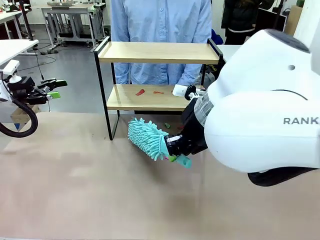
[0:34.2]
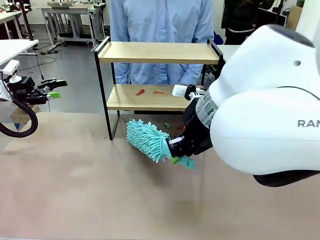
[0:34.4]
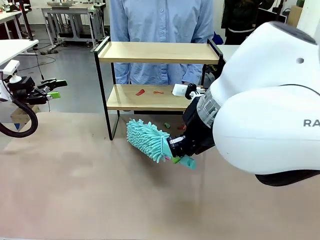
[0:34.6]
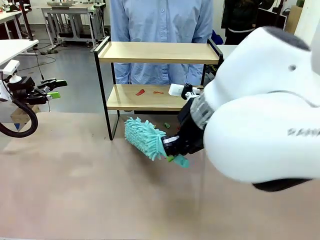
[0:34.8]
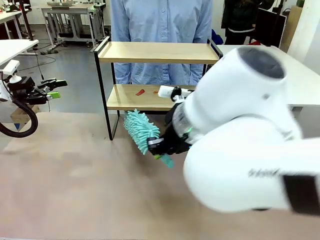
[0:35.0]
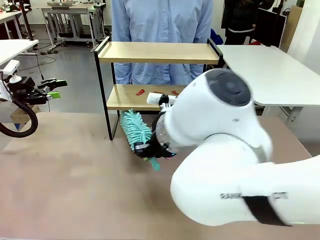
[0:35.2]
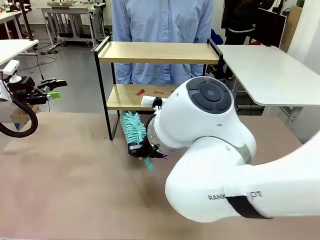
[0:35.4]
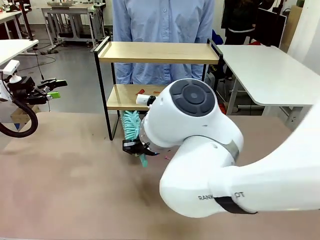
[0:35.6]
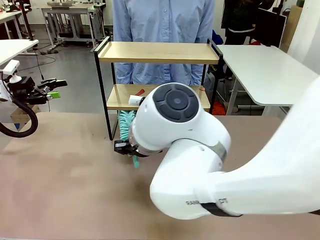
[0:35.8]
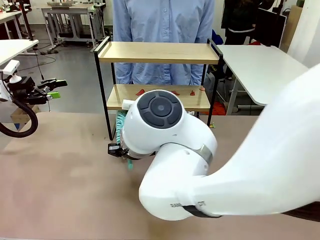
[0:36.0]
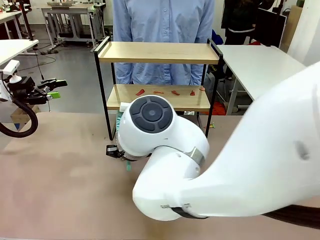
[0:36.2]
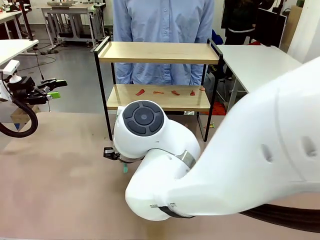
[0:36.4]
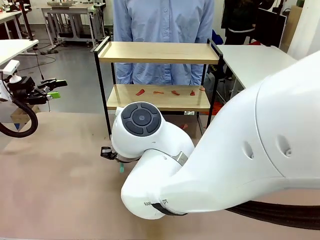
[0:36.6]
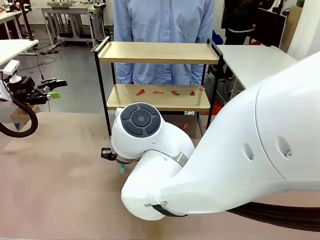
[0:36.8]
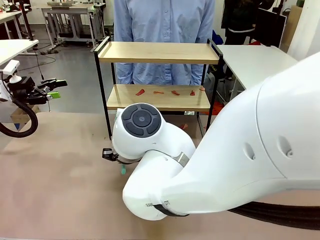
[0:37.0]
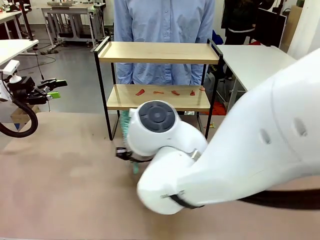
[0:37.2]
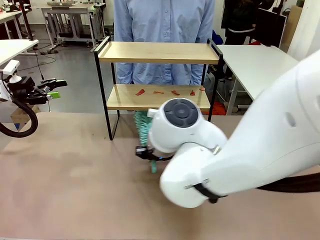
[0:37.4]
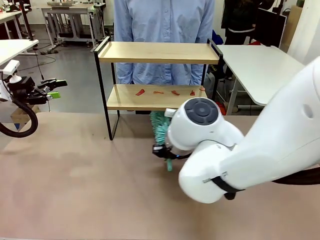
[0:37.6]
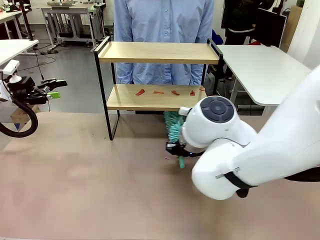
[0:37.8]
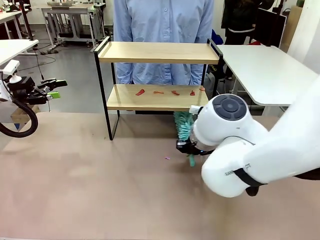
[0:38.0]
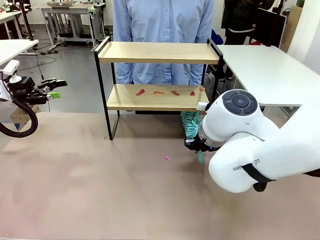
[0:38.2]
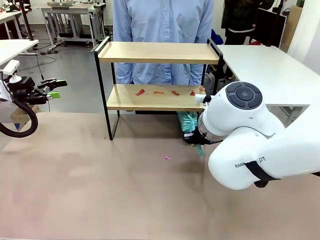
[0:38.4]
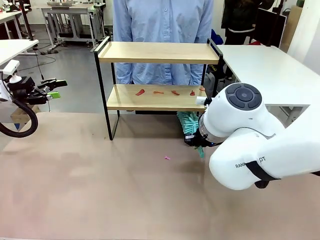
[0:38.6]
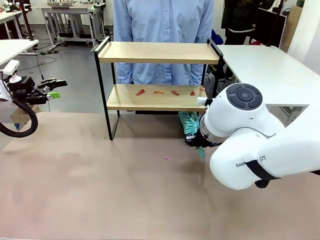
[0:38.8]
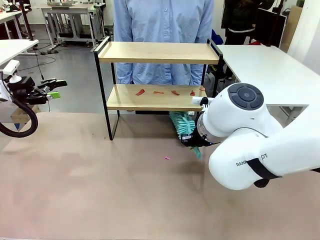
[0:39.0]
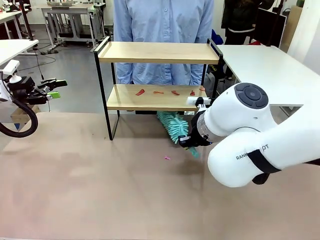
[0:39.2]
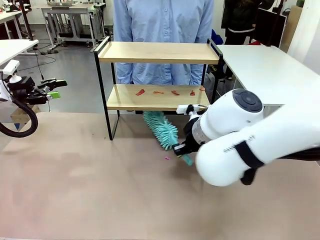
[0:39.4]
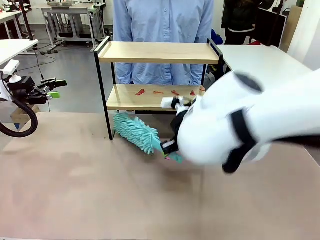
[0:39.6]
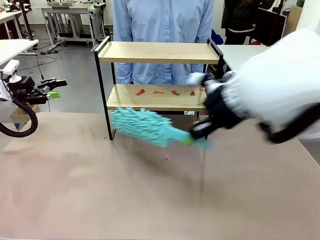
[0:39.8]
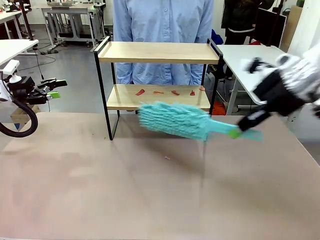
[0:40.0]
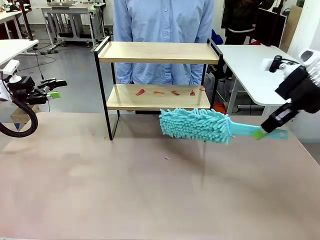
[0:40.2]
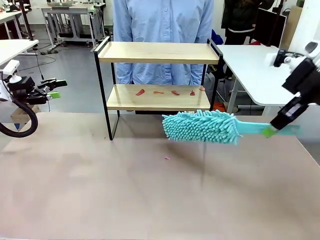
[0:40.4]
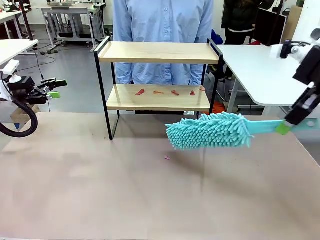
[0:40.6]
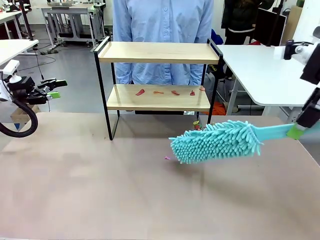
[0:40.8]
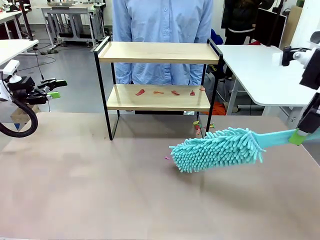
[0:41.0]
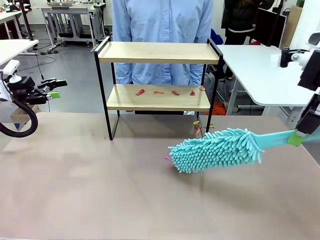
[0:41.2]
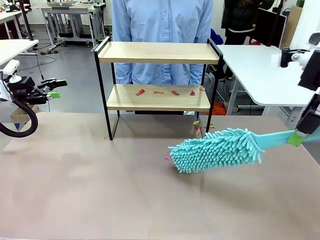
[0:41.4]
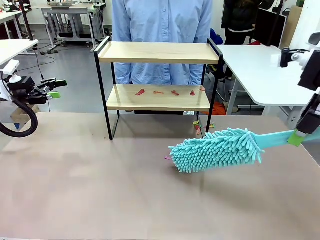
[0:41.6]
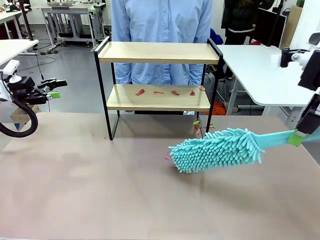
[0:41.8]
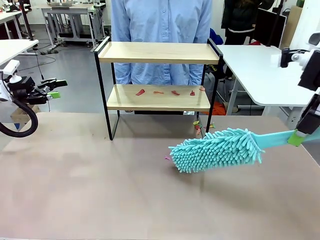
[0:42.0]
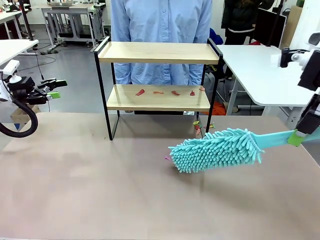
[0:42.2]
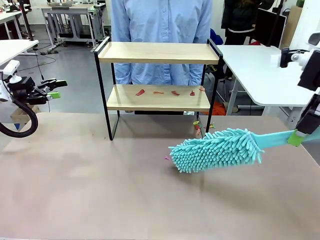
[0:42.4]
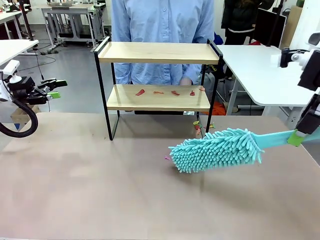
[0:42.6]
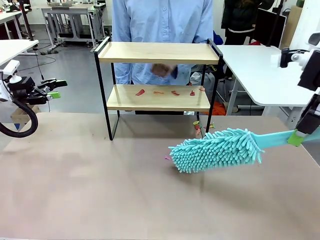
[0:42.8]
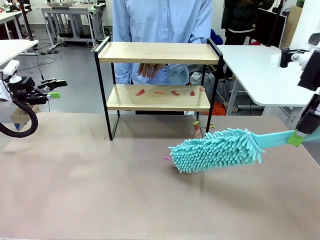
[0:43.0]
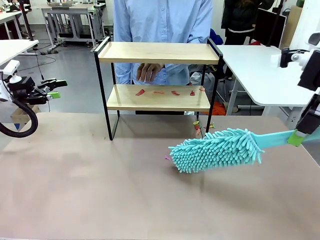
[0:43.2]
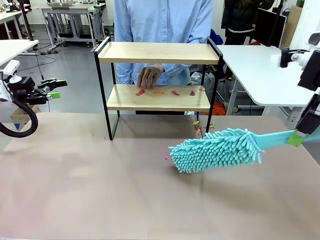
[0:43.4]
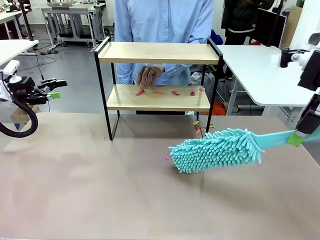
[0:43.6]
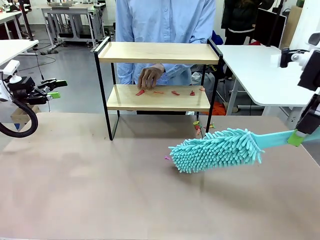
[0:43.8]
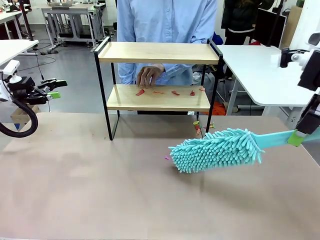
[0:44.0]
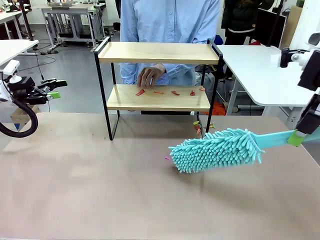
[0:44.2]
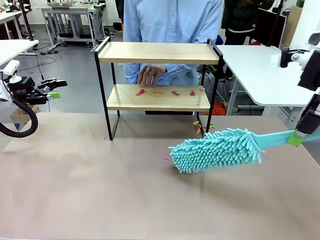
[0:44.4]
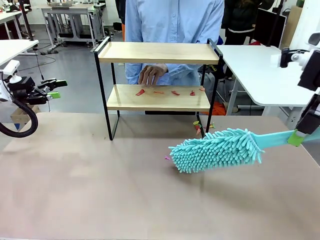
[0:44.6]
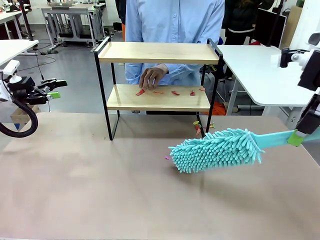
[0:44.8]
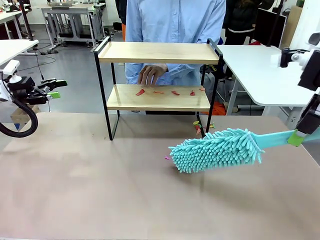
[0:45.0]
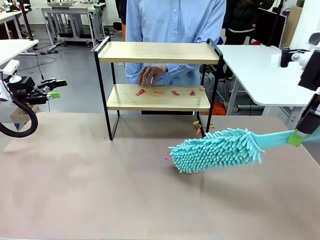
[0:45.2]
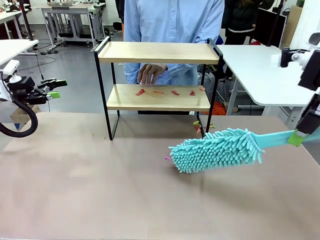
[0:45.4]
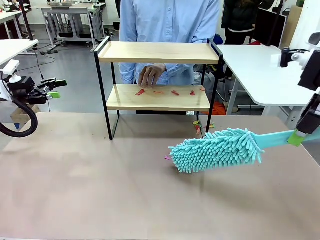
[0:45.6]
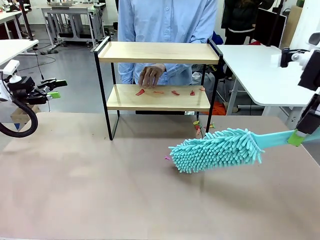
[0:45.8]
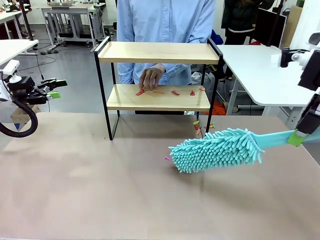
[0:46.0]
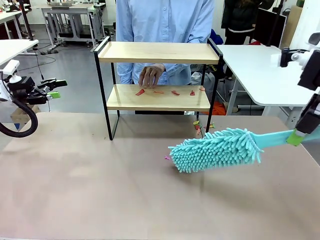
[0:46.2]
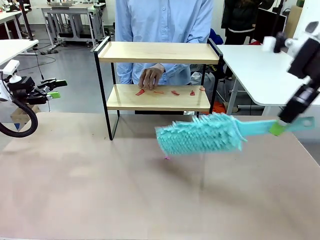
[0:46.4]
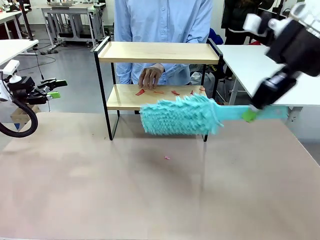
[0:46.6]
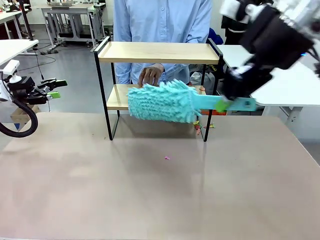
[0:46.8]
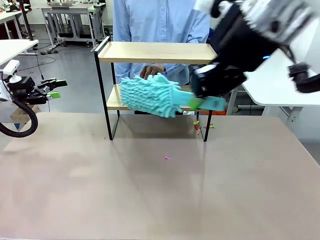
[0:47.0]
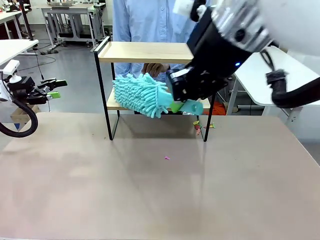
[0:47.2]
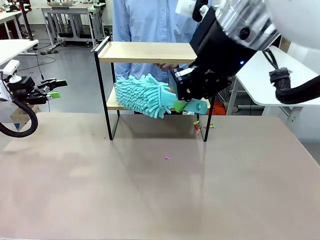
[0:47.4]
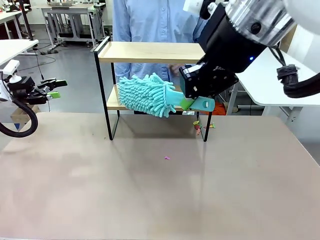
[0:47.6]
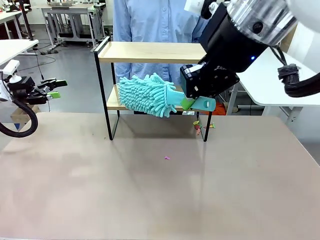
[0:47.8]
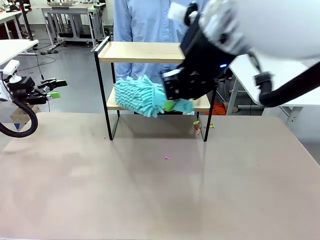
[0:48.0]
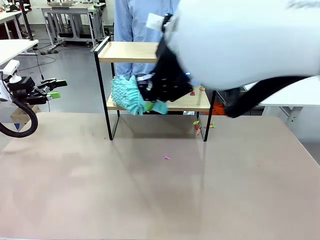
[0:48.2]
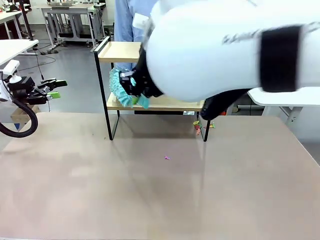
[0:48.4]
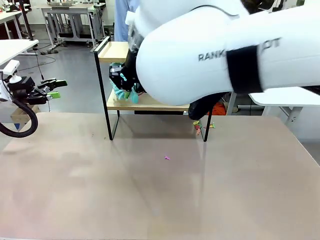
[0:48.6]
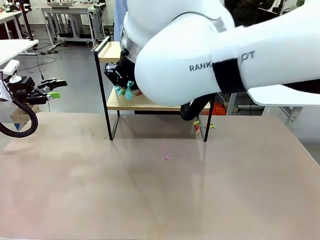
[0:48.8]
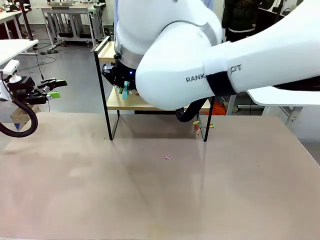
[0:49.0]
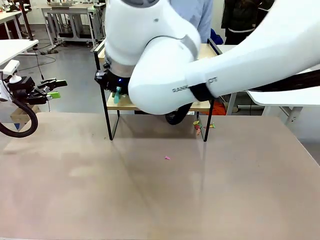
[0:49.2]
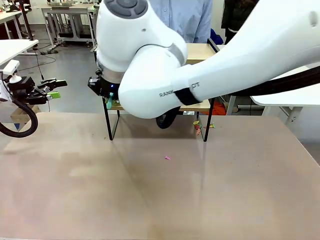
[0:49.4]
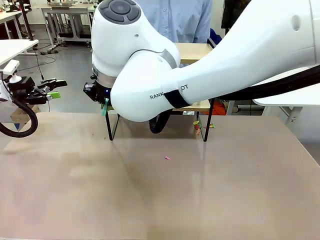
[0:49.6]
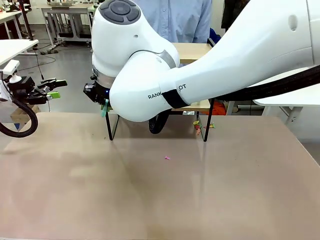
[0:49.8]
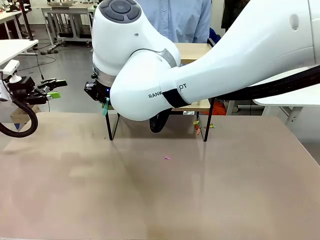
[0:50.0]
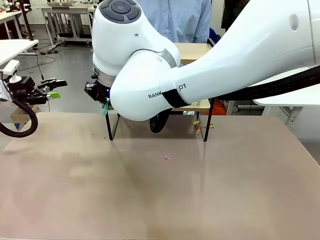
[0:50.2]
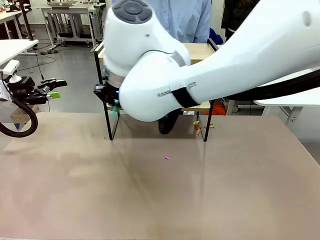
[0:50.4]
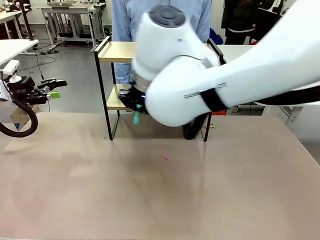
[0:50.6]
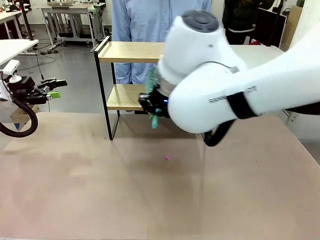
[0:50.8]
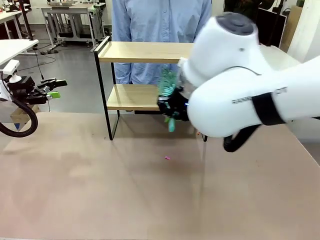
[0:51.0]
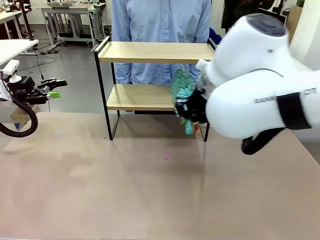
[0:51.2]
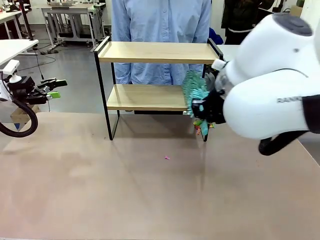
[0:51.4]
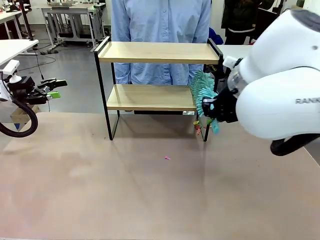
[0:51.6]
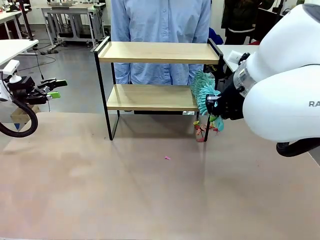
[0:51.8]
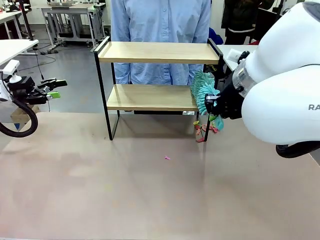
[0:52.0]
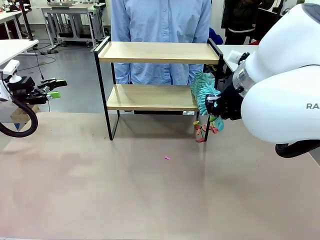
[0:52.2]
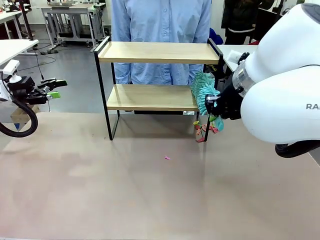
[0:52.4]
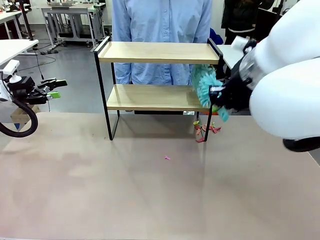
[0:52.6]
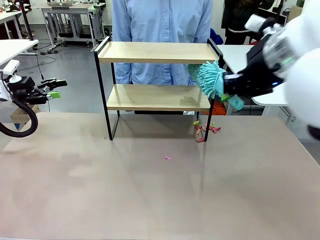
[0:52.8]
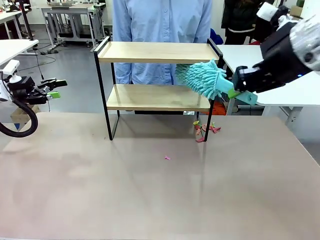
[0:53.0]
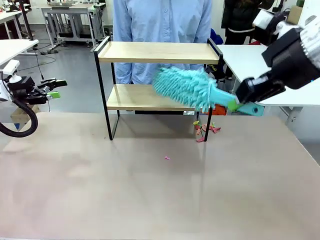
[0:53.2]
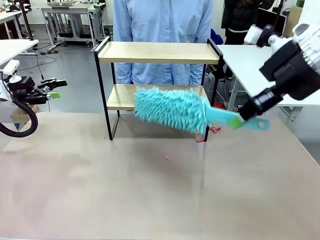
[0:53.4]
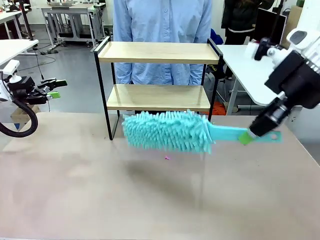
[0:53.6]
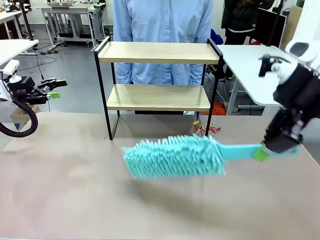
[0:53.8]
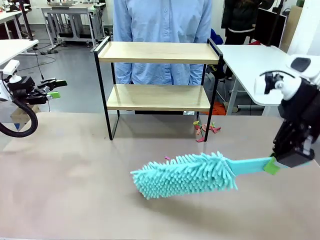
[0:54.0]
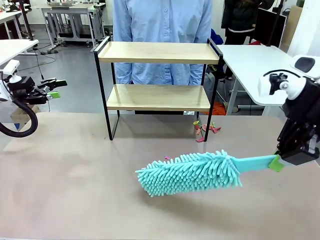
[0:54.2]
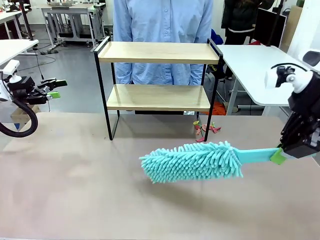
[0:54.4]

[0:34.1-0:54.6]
Task: Clean the shelf.
Robot: Clean the specific section of the Shelf indicated by the human with the Duster.
Person: Point a remaining section of the Shelf.
